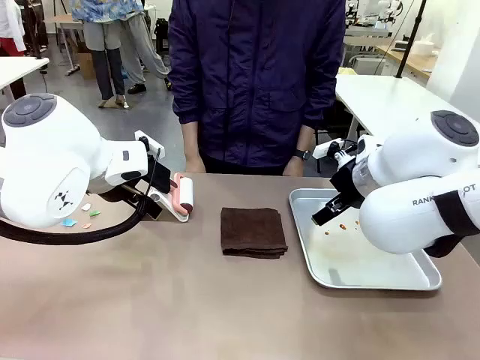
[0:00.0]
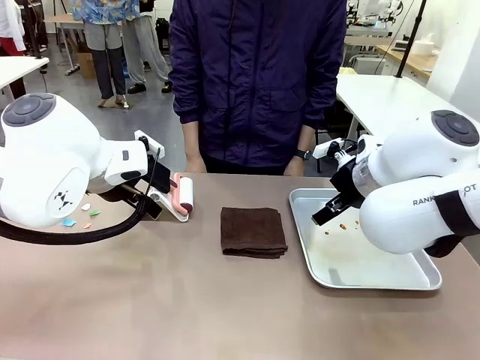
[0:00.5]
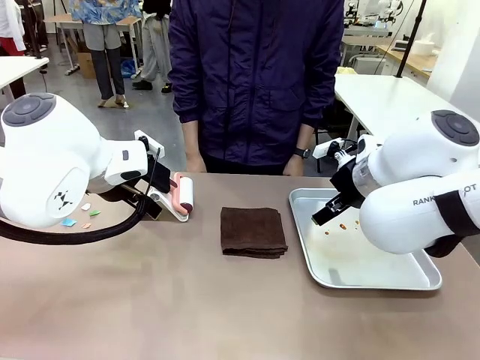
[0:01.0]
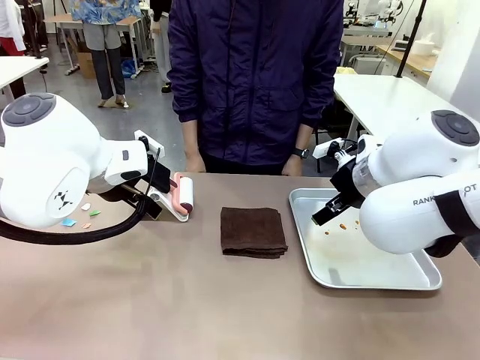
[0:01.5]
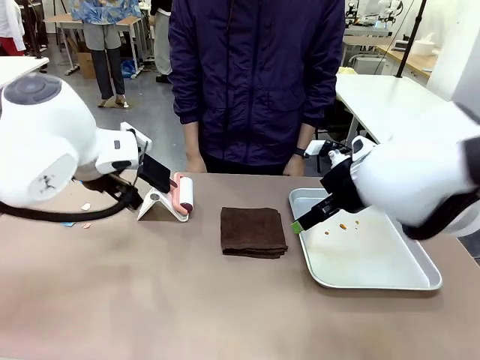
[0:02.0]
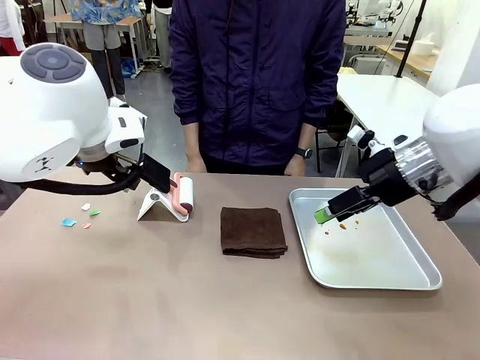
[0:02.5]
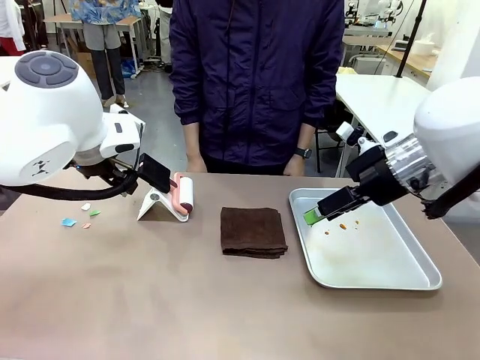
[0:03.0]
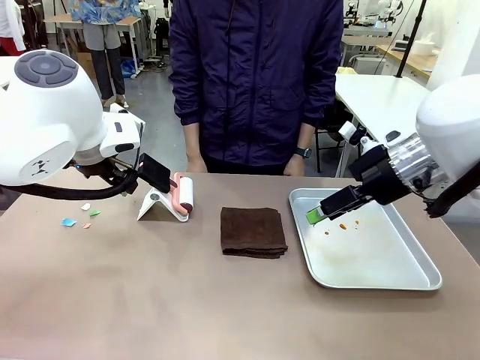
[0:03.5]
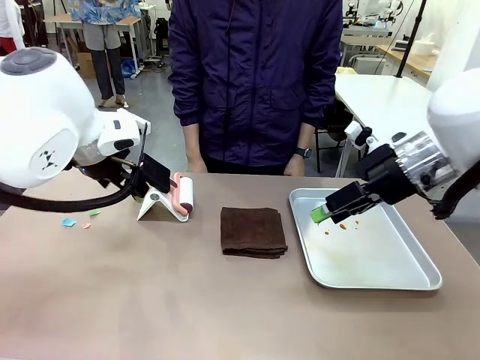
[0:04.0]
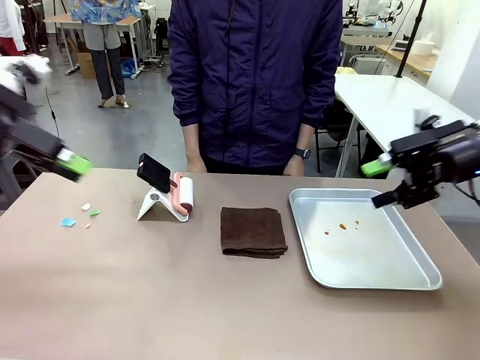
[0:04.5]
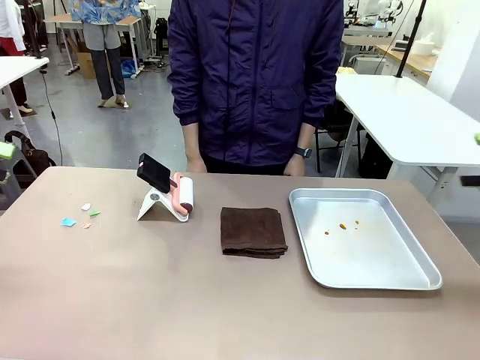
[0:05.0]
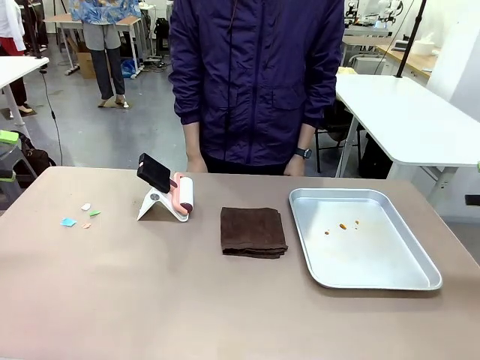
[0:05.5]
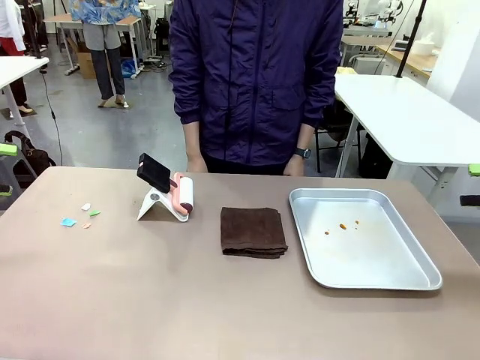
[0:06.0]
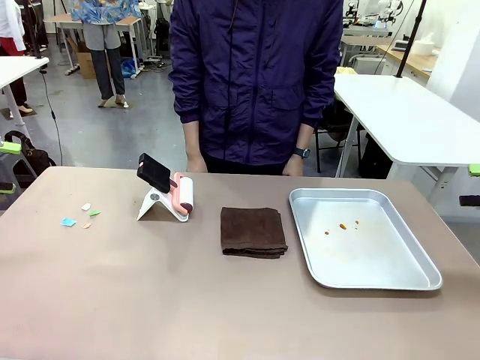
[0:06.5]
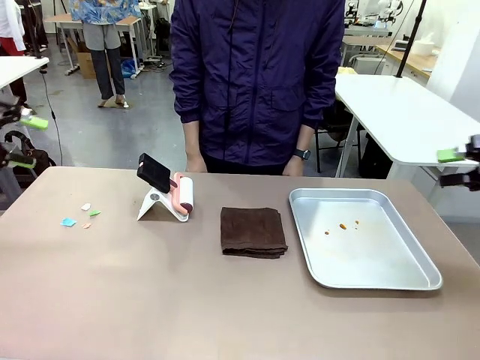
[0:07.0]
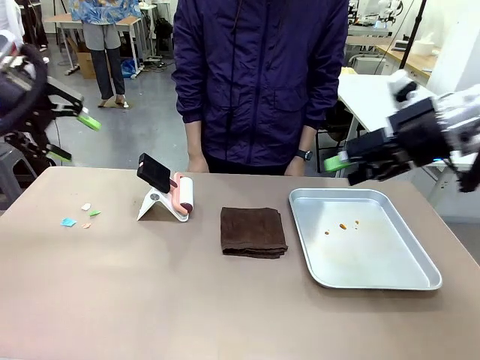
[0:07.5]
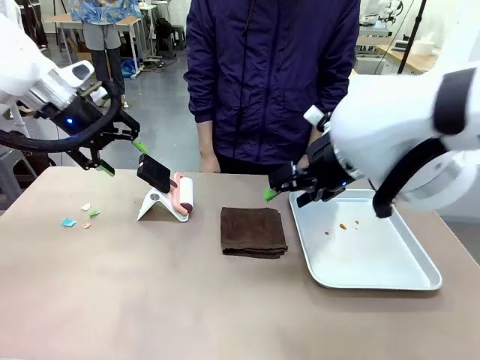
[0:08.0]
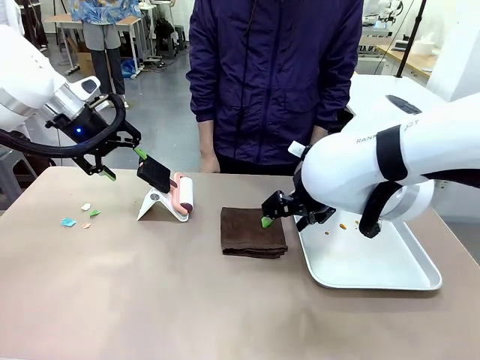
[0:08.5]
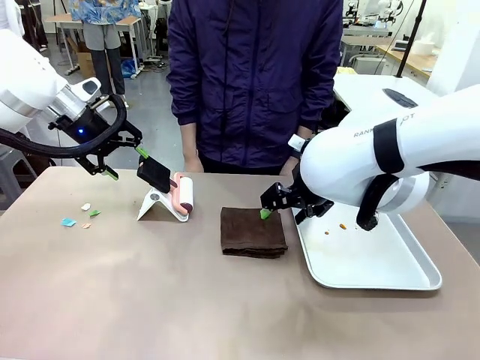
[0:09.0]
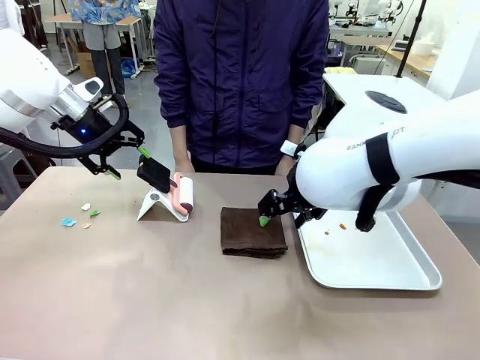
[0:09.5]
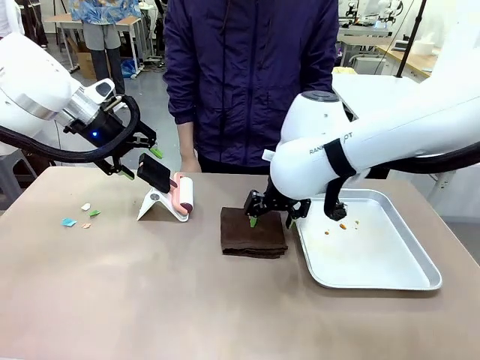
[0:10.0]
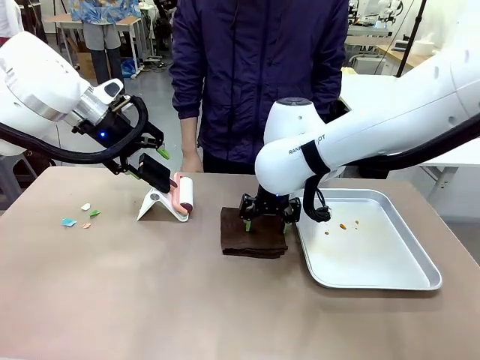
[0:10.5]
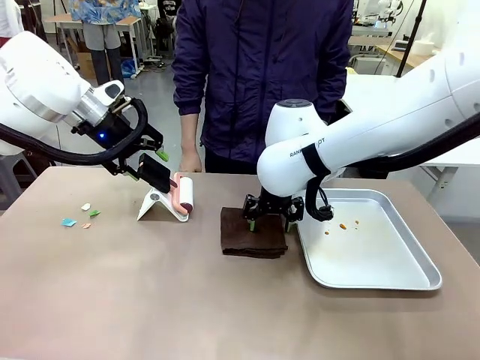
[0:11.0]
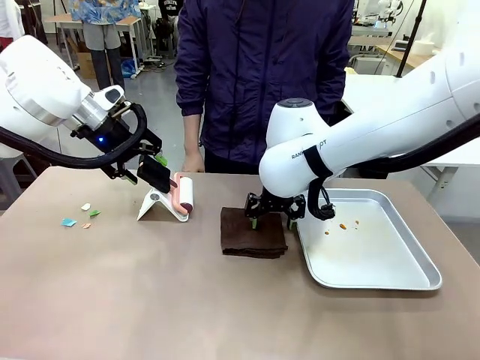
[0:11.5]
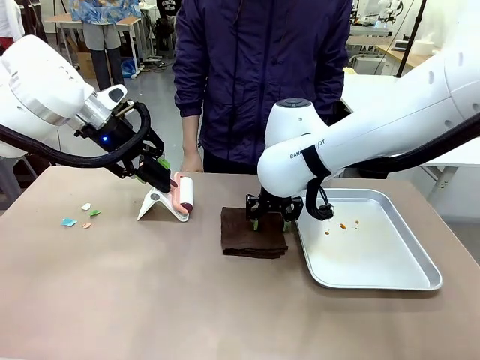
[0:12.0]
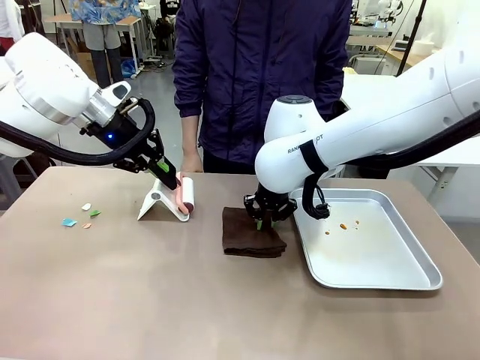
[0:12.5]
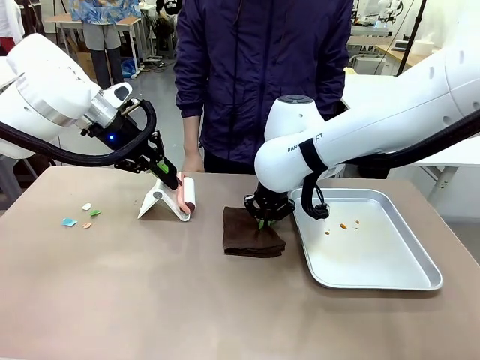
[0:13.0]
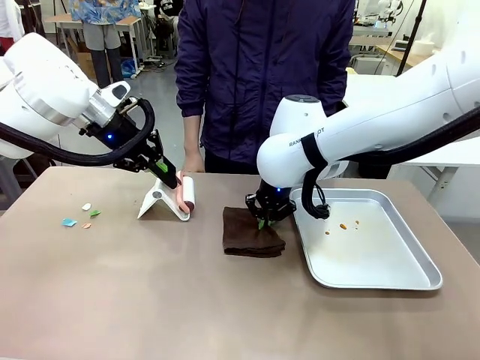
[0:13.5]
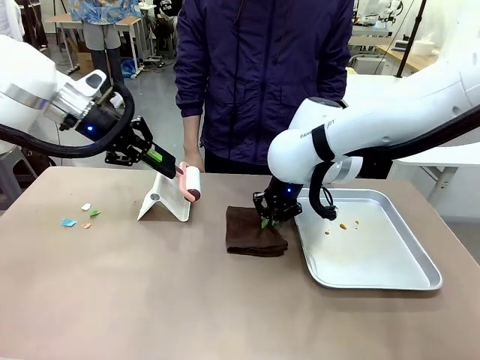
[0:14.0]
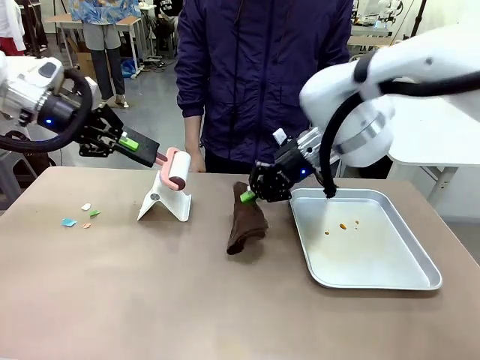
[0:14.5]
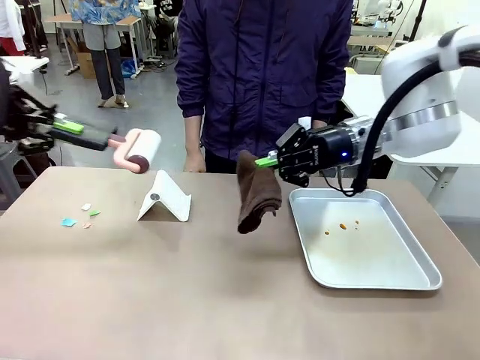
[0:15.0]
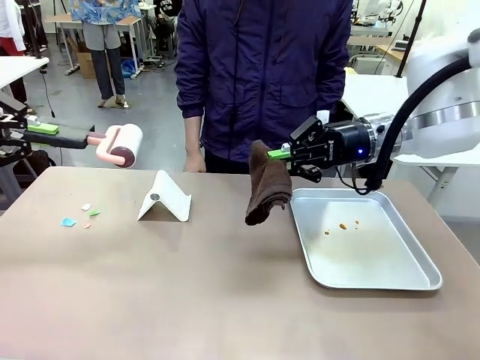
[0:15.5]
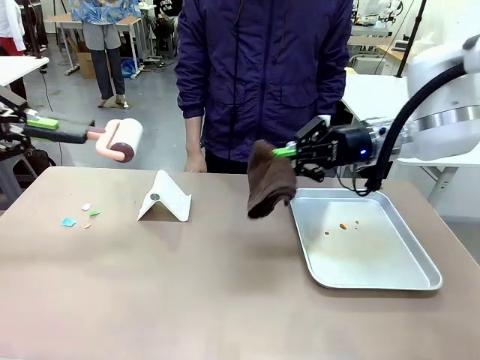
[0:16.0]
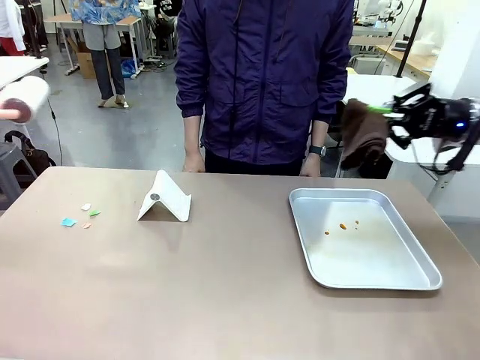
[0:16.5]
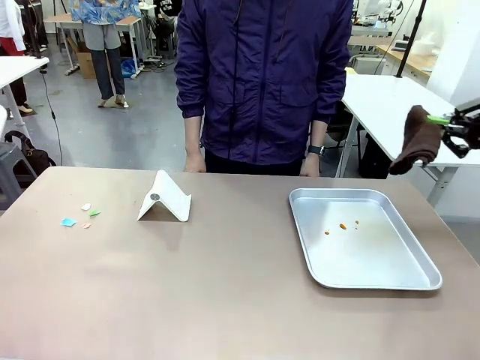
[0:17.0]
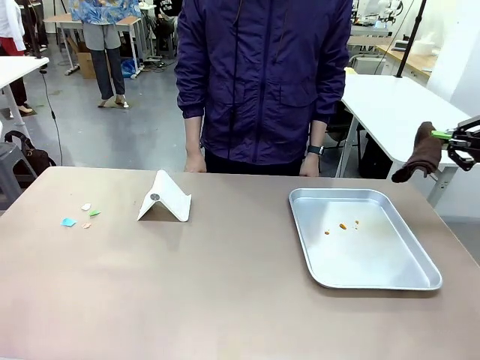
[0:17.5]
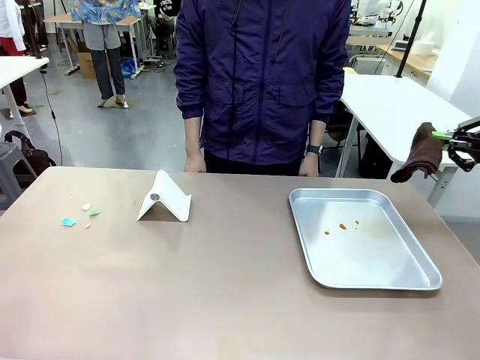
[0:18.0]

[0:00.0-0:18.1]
Task: Clean the surface of the table.
Robot: Hold the Lint Roller with your left hand and the towel with your right hand.

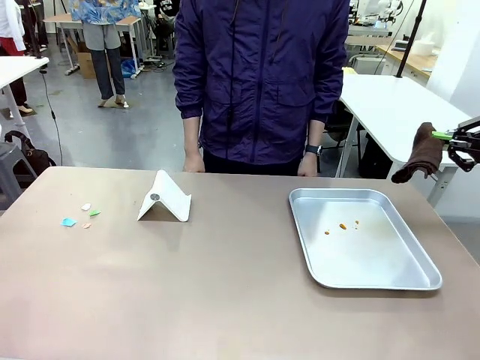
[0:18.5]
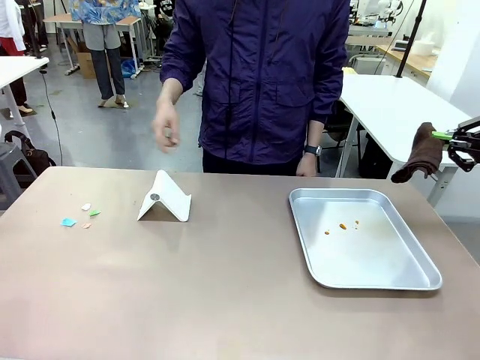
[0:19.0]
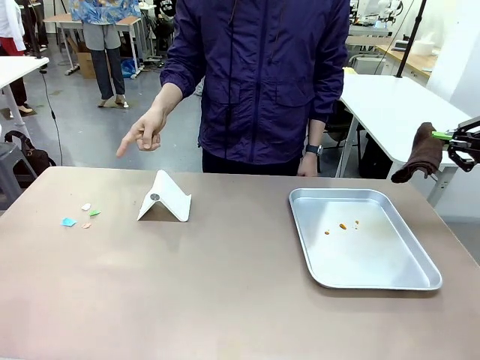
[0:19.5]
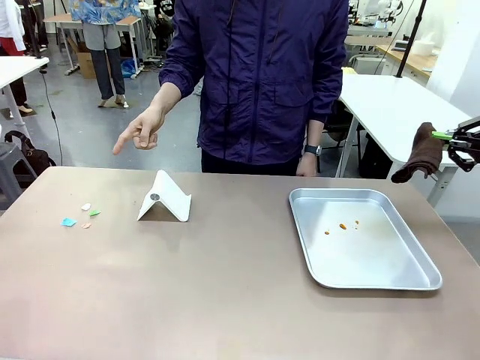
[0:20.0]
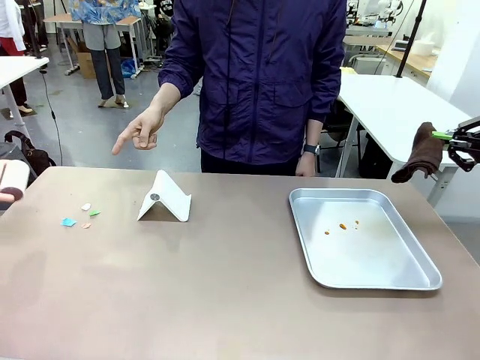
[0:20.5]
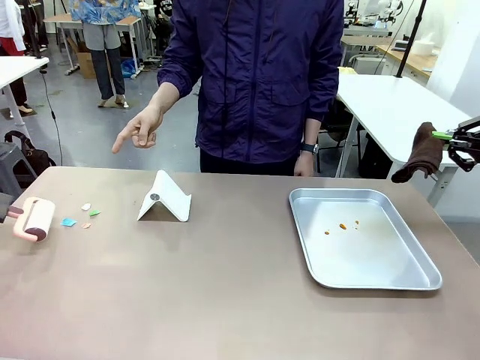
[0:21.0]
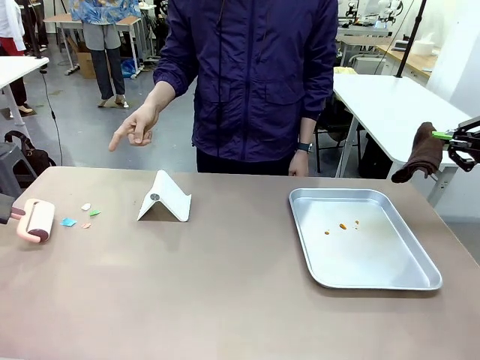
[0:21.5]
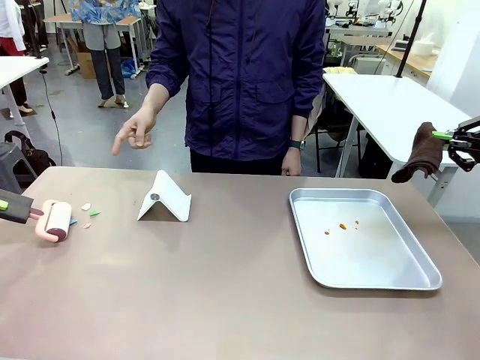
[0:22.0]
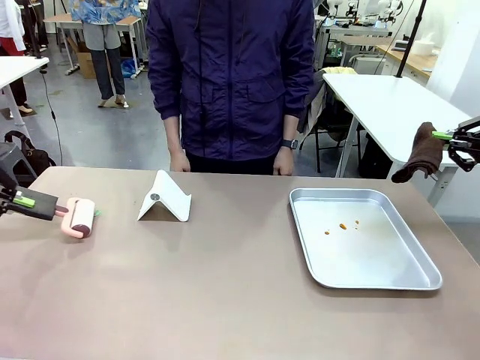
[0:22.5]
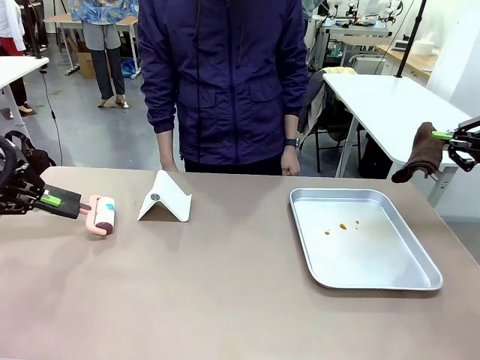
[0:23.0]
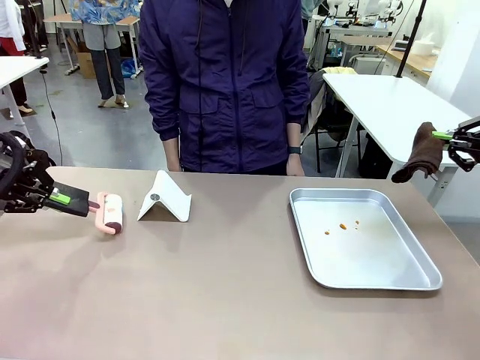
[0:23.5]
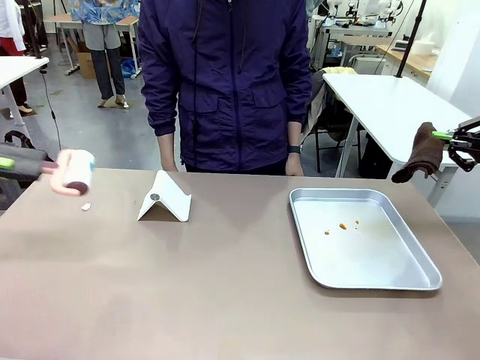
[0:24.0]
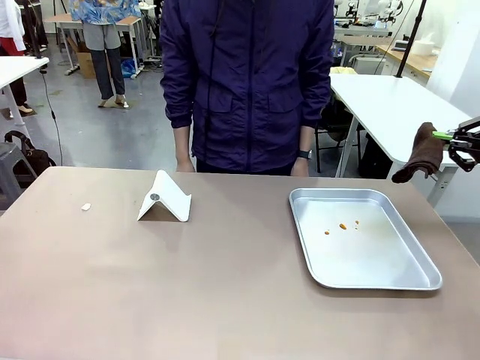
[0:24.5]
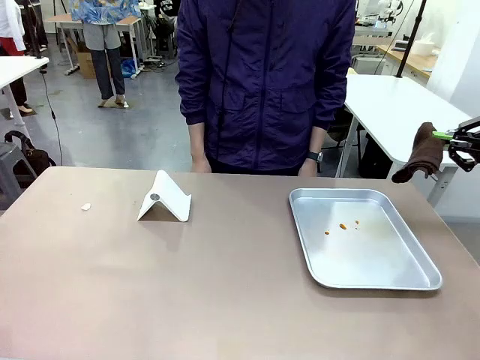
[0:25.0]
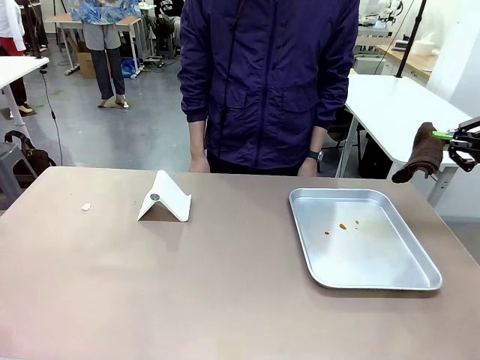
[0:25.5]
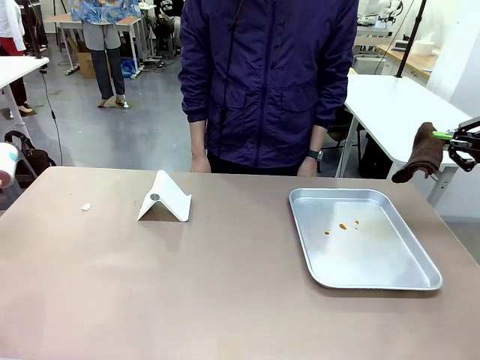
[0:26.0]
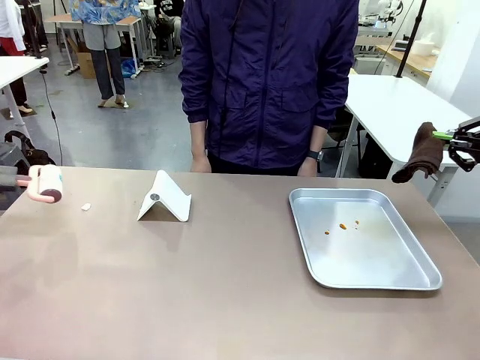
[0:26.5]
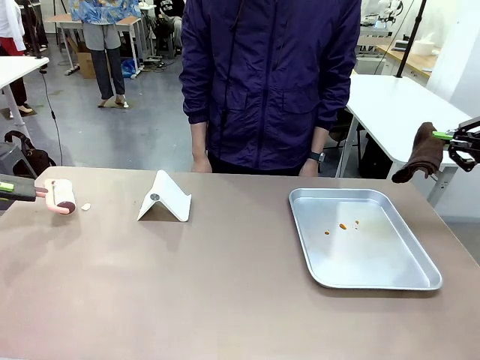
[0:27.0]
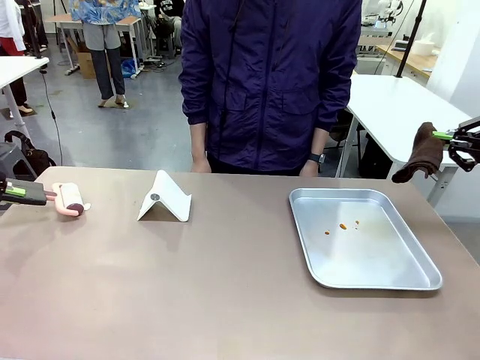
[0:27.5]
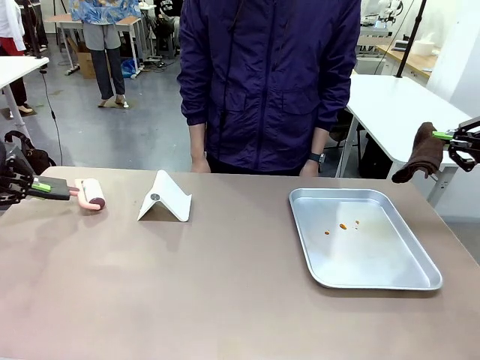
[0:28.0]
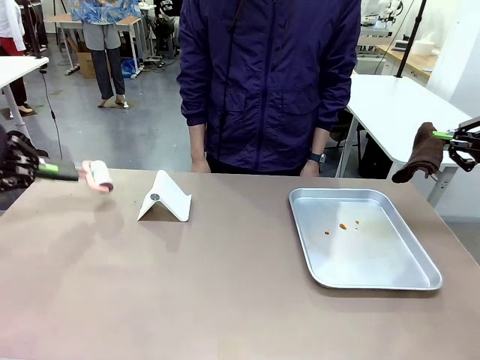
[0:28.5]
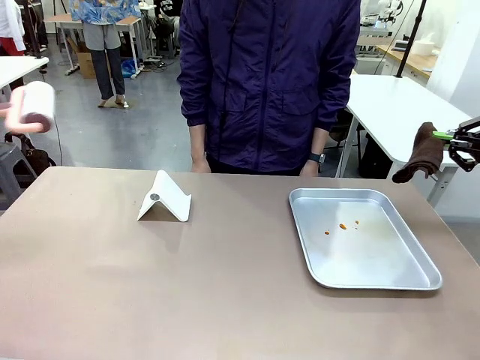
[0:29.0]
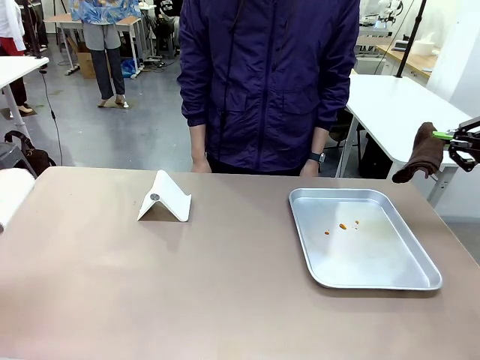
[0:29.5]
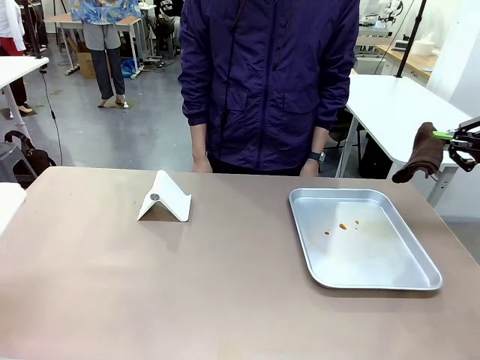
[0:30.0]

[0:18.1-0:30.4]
Robot: If a person points to the right, clean the right side of the table with your right hand, and if they point to the left, clean the left side with your left hand.
